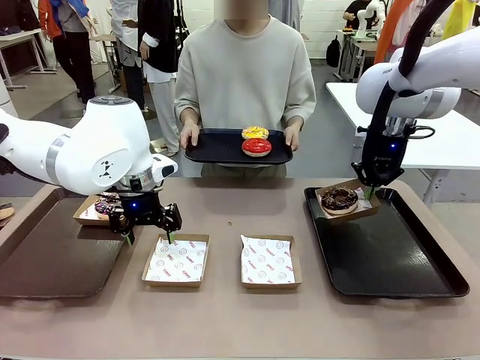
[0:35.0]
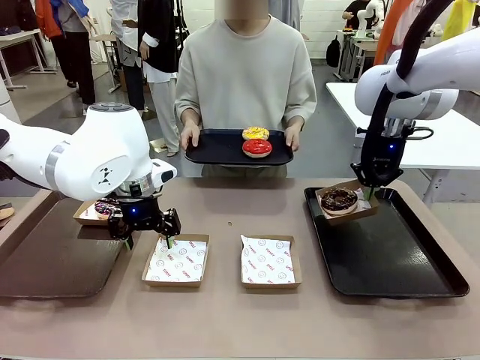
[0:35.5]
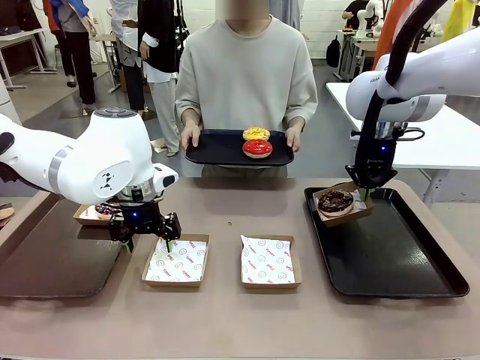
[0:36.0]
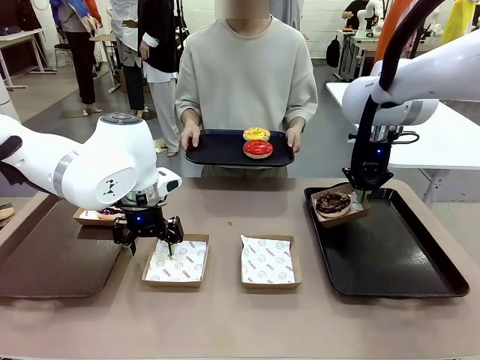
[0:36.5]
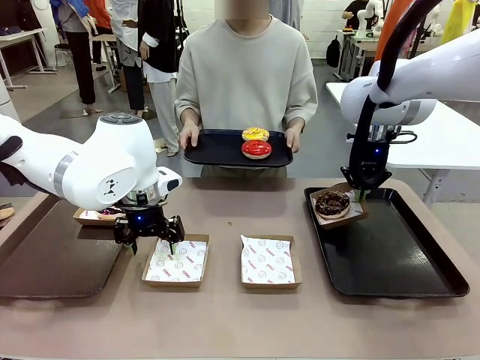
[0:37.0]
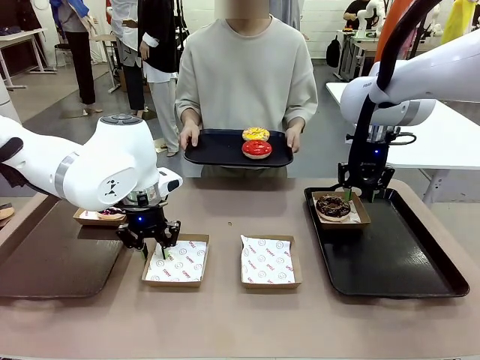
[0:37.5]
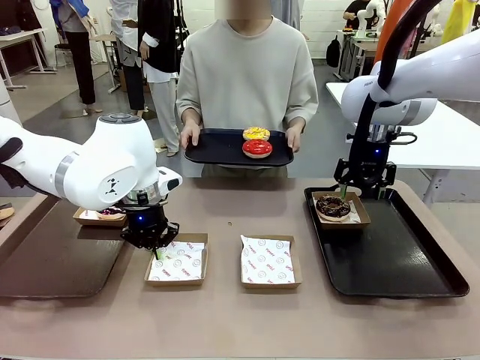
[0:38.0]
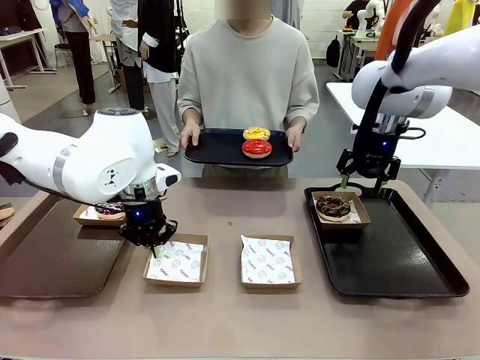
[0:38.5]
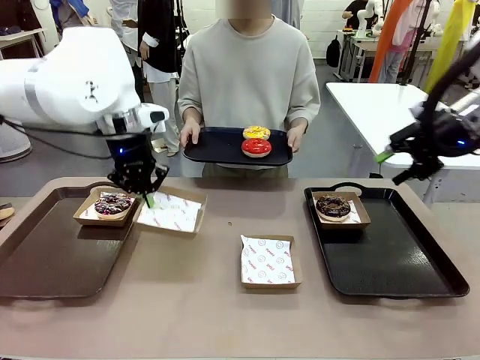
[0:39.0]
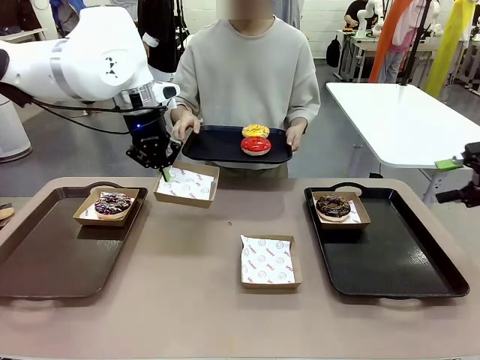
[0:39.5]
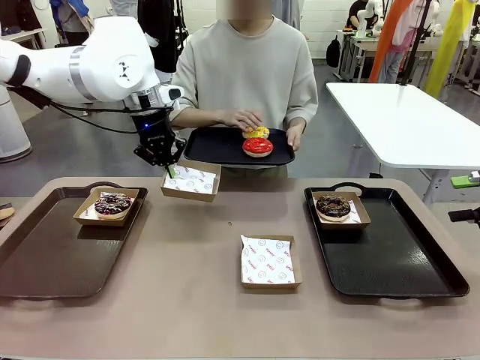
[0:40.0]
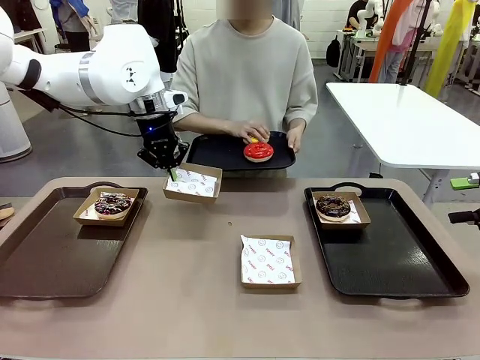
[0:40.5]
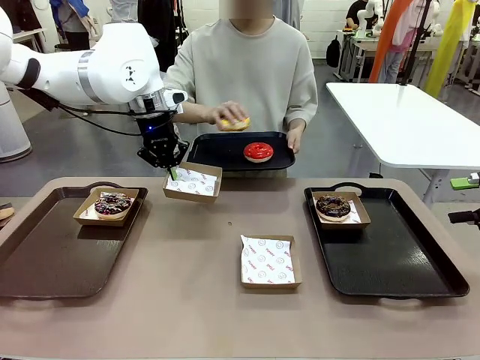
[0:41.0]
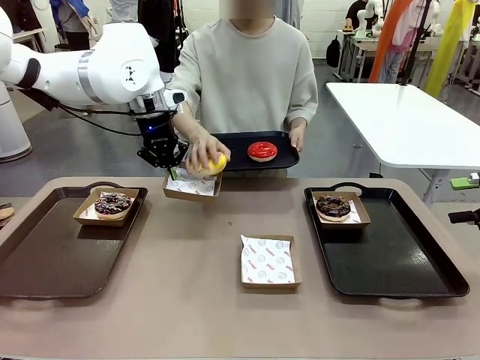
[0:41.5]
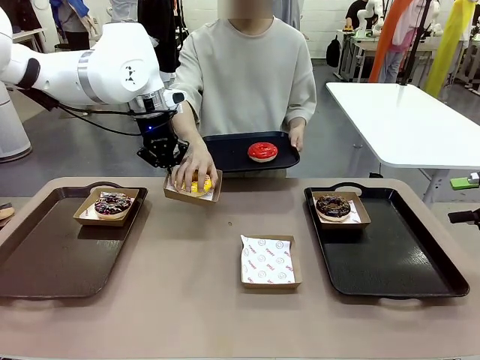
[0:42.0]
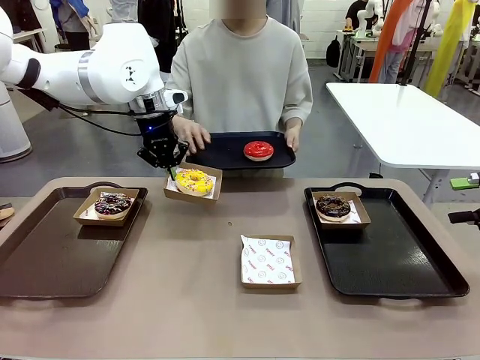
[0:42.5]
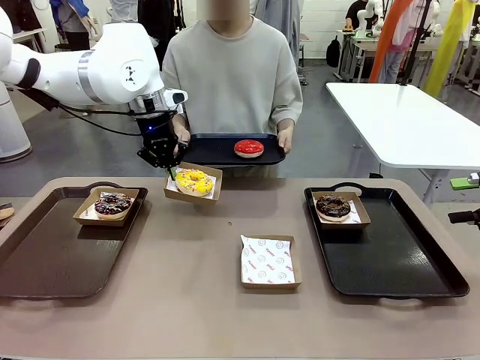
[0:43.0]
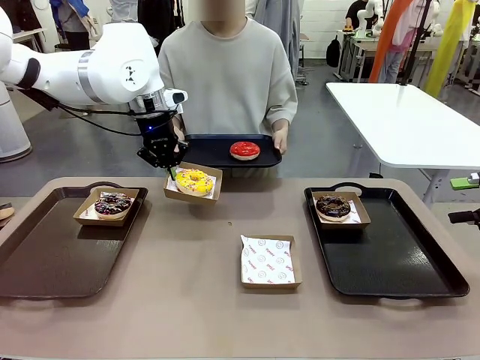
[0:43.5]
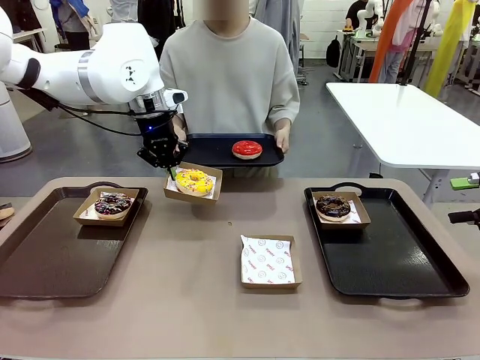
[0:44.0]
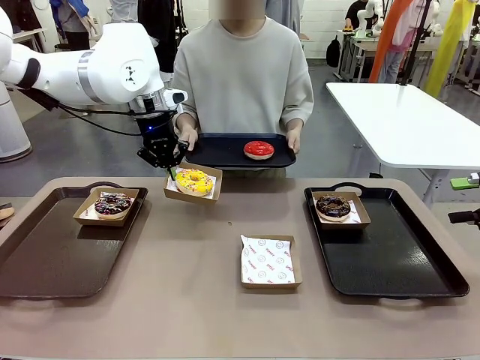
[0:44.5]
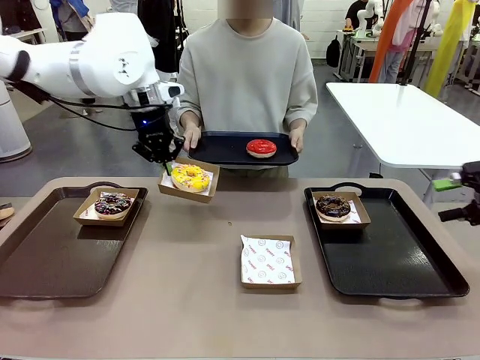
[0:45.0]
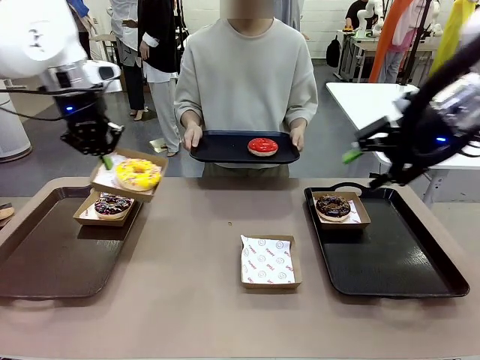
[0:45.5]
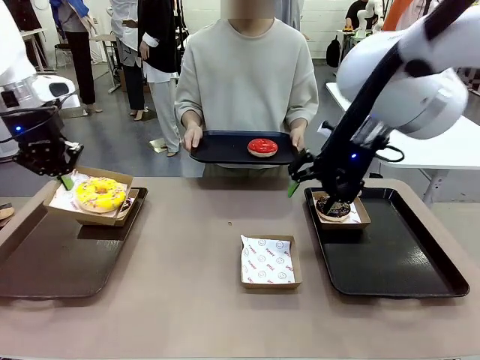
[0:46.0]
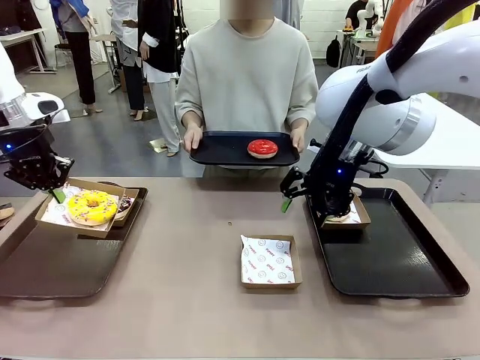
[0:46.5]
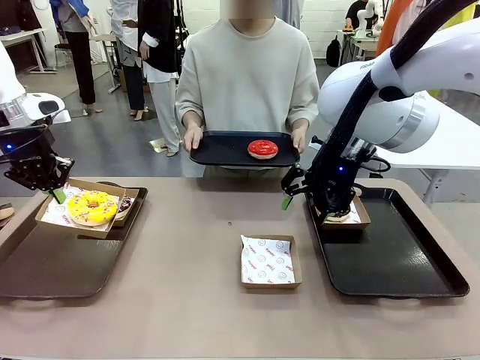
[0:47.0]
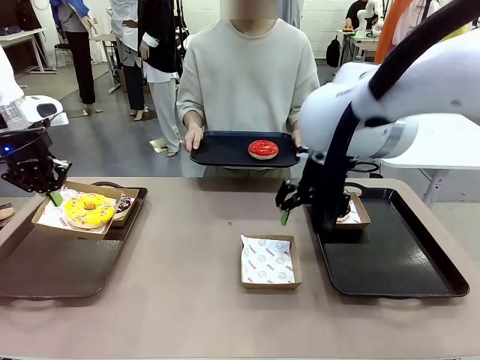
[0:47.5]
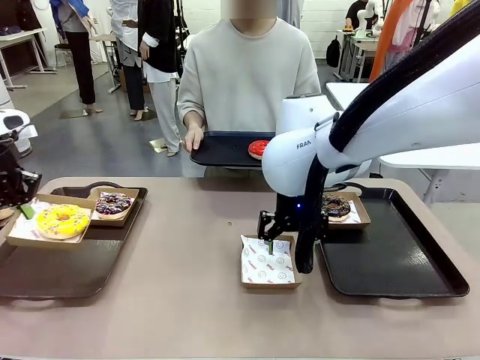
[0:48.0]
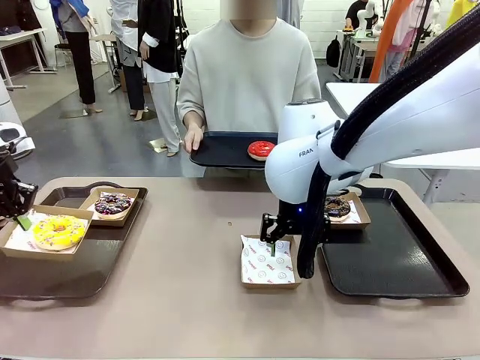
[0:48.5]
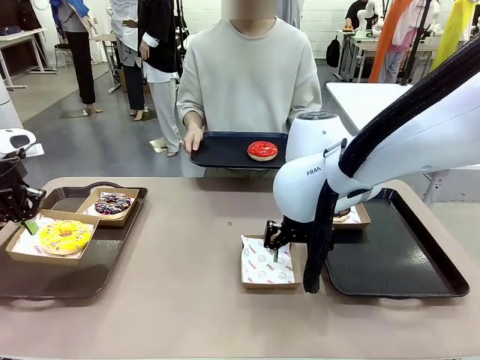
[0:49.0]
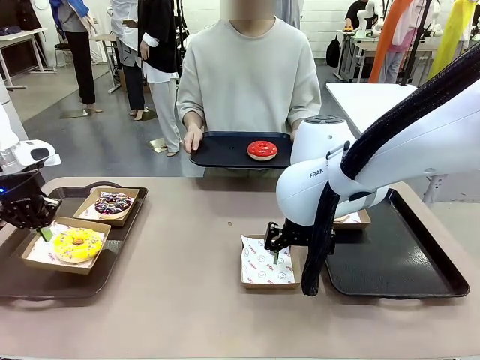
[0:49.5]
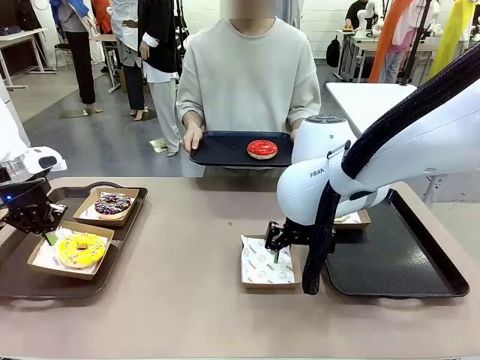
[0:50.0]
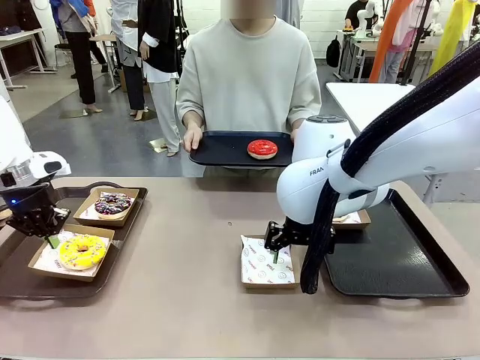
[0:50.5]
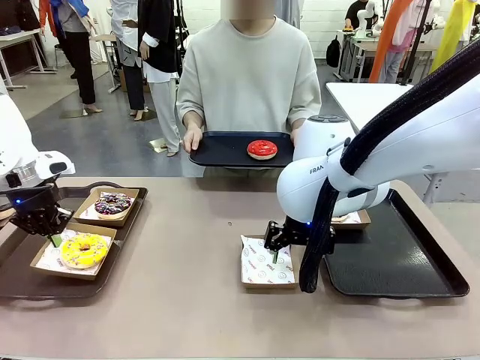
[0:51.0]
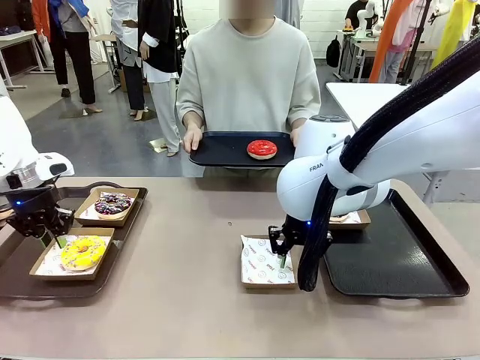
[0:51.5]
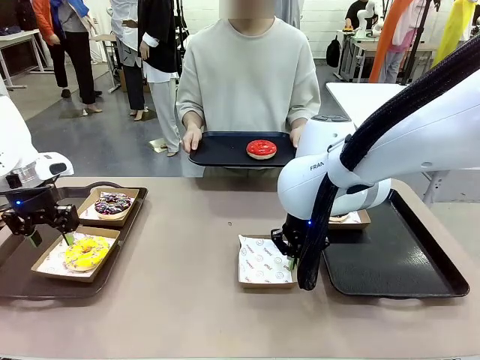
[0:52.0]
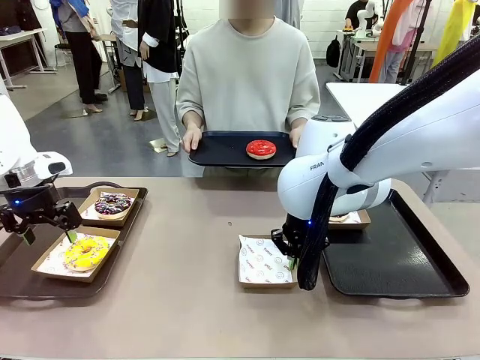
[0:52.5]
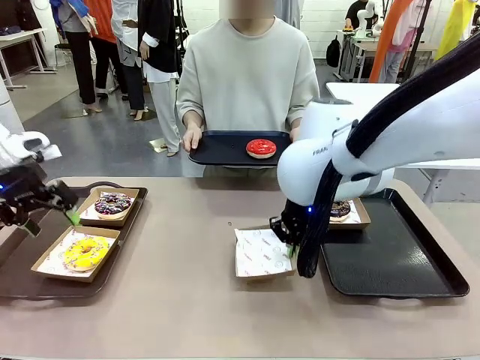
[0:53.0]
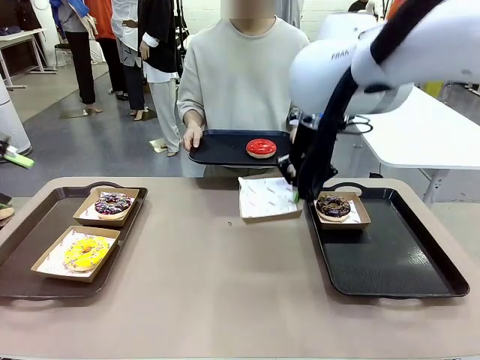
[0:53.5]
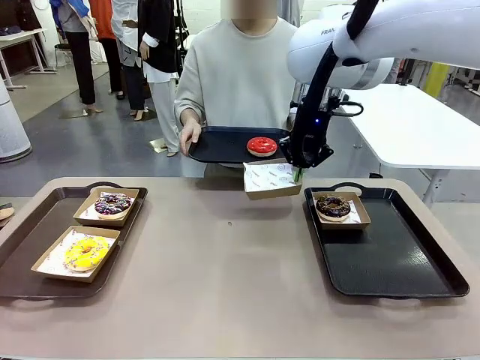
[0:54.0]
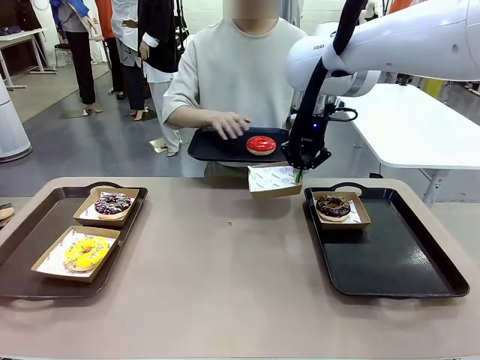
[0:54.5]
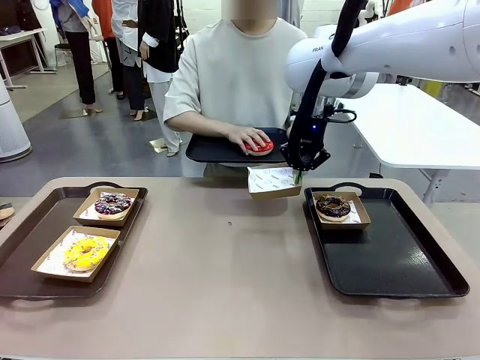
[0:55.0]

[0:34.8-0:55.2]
Task: Individually package the donuts and arrange them on the tray.
Robot: Place the picked Paper togo box on the Handle tray while simultaneously picking up another Paper togo box from the table with the other hand.

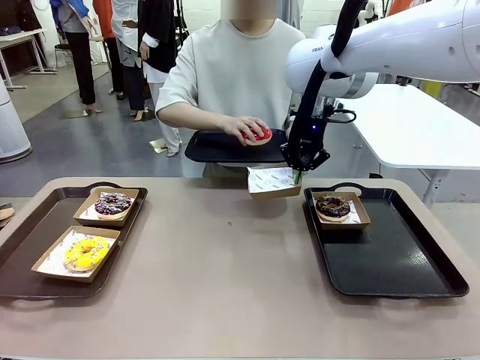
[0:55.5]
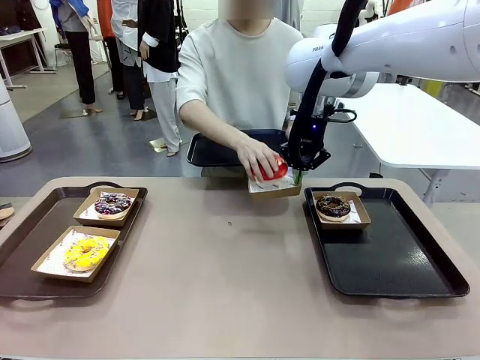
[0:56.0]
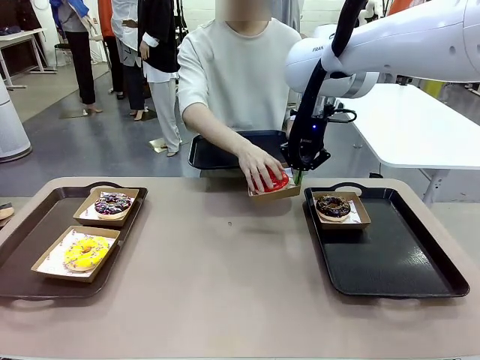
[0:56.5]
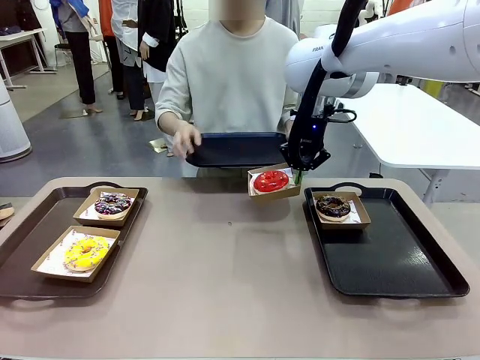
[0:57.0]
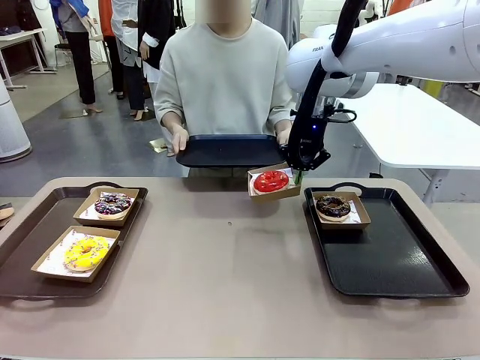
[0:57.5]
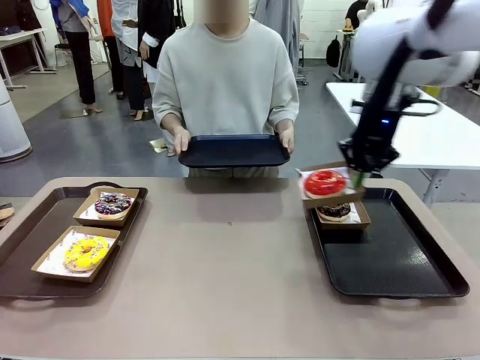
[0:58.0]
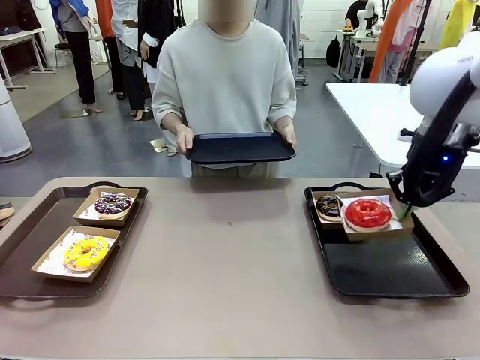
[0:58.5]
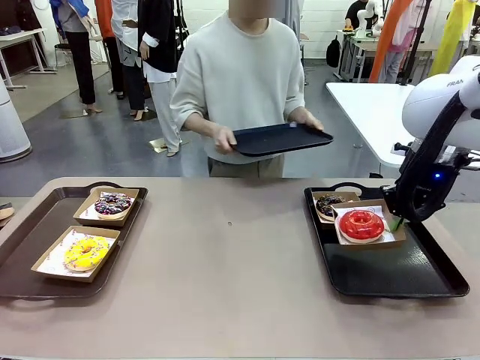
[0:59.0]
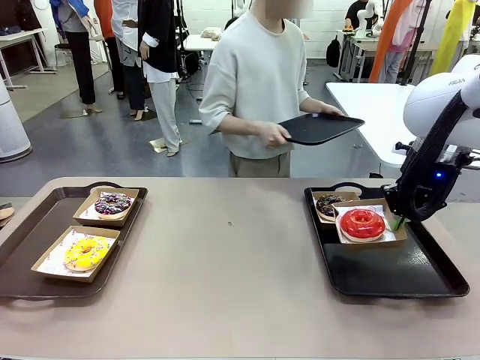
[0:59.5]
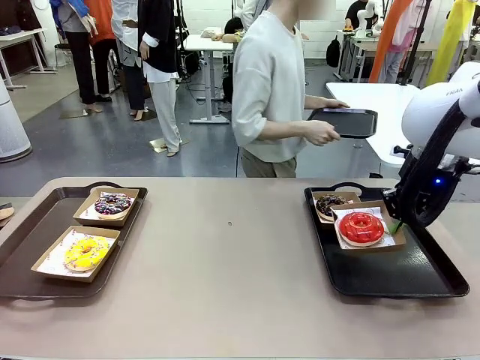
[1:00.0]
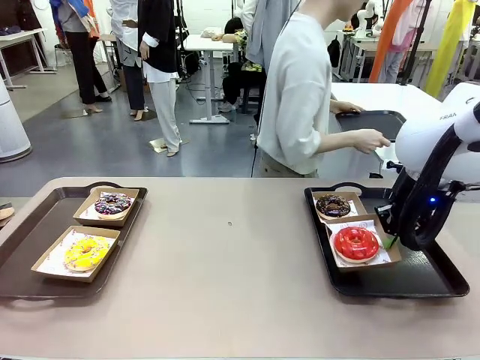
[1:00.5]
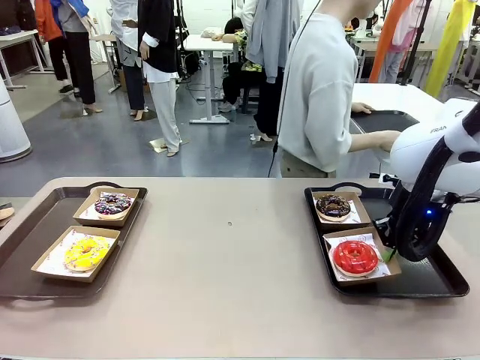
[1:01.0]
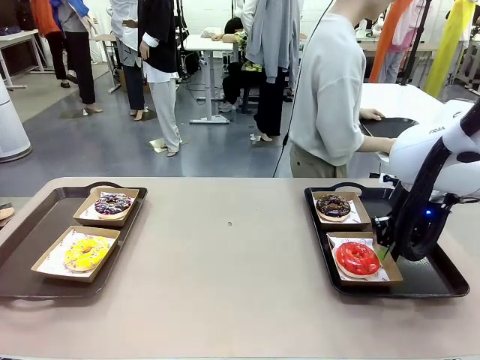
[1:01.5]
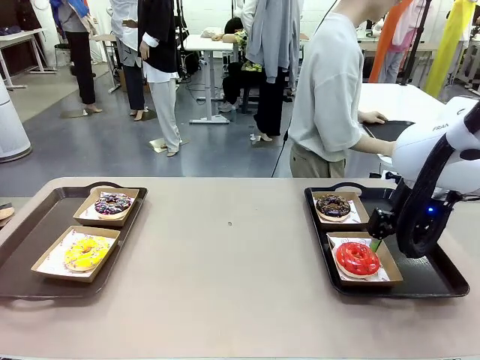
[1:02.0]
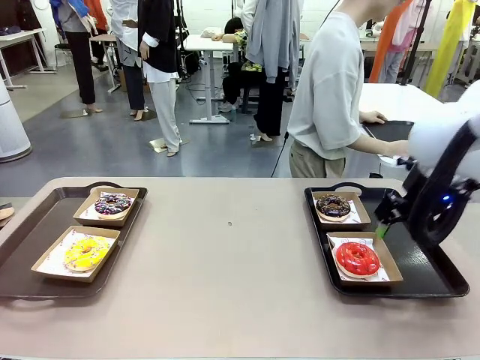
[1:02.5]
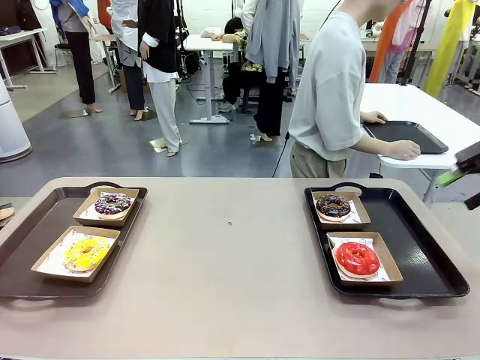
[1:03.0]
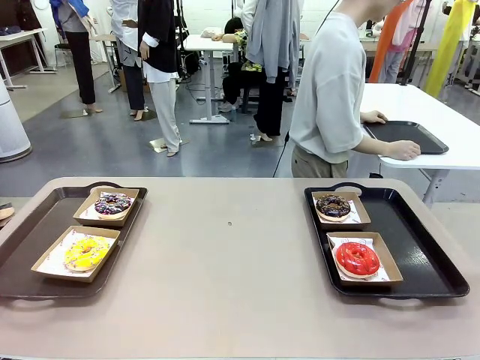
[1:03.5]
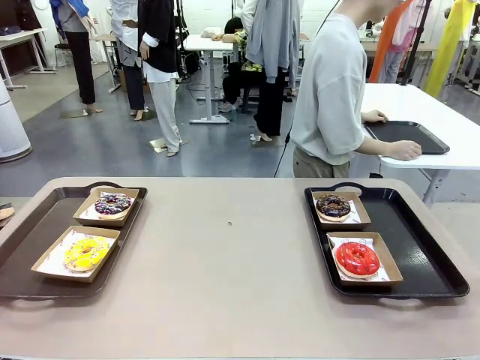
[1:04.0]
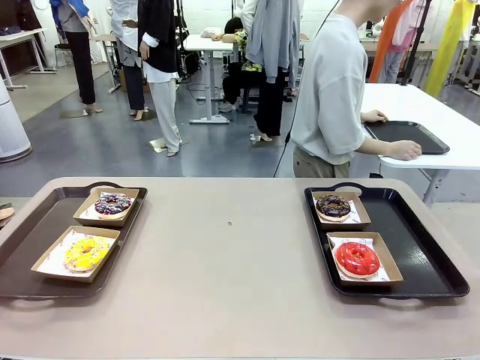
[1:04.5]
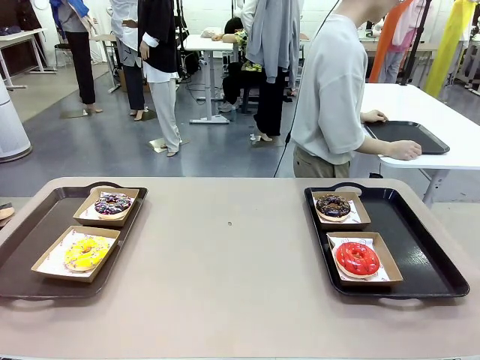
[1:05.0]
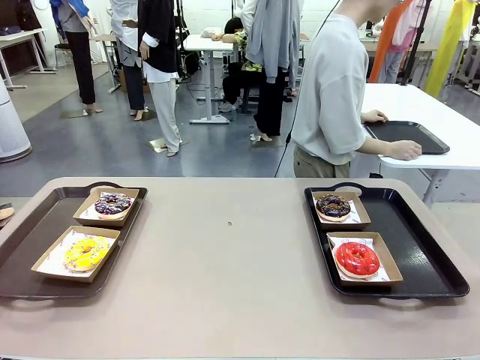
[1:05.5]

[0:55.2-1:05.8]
Robot: Place the picked Paper togo box on the Handle tray.
Person: Place the tray down in the middle of the human table.
